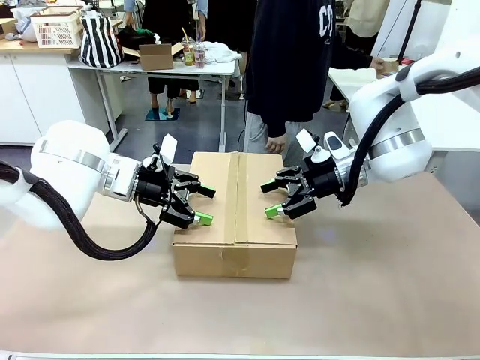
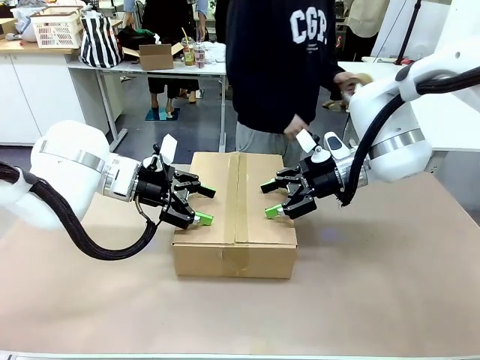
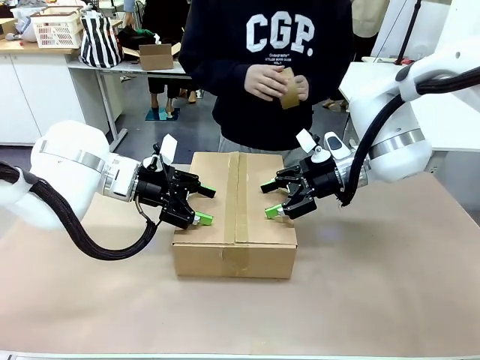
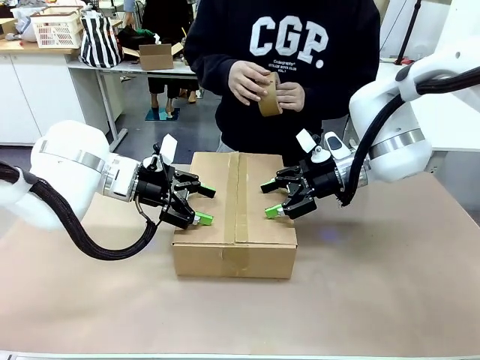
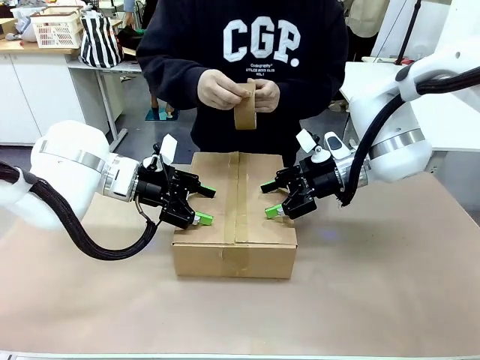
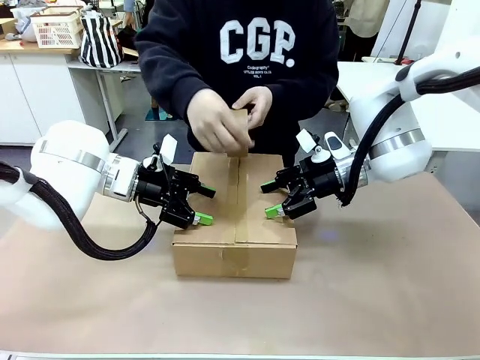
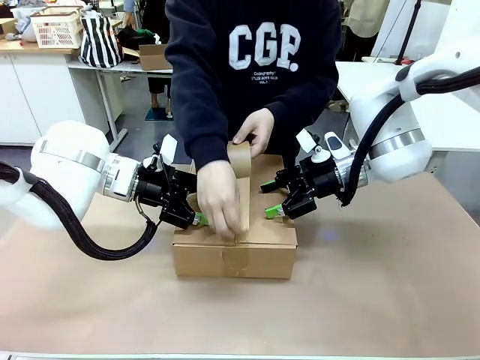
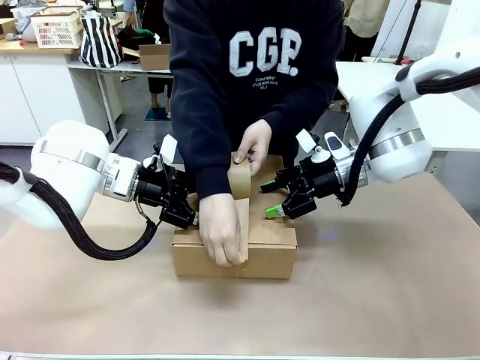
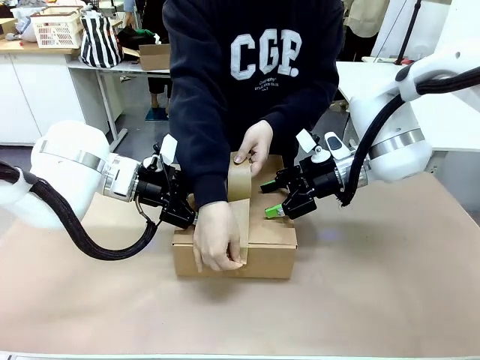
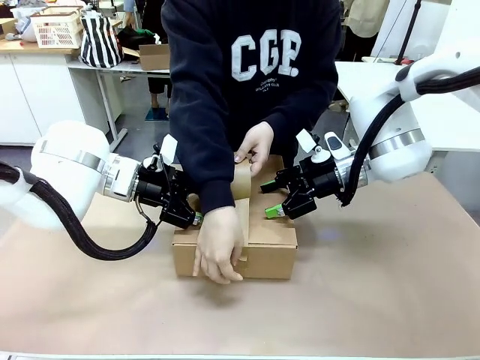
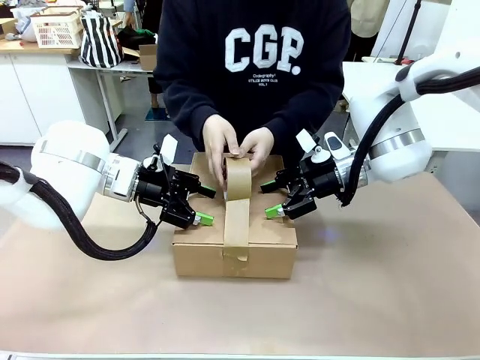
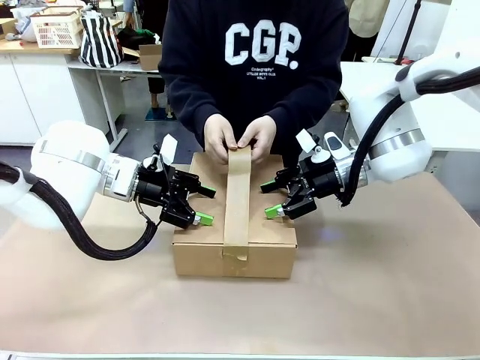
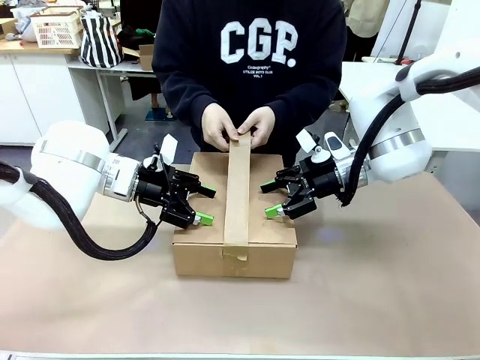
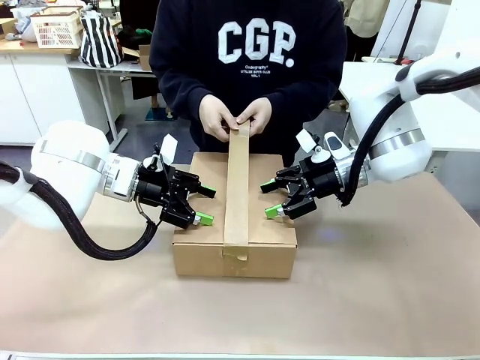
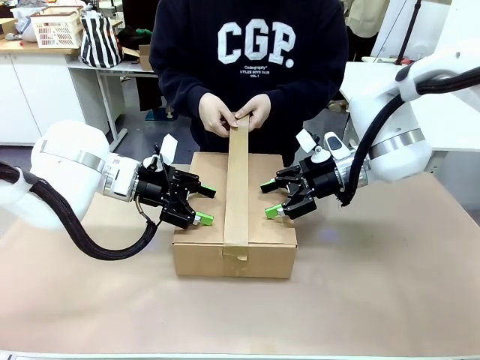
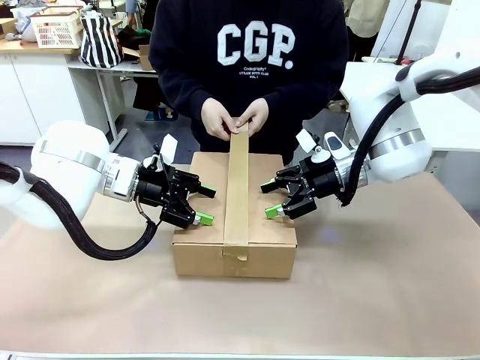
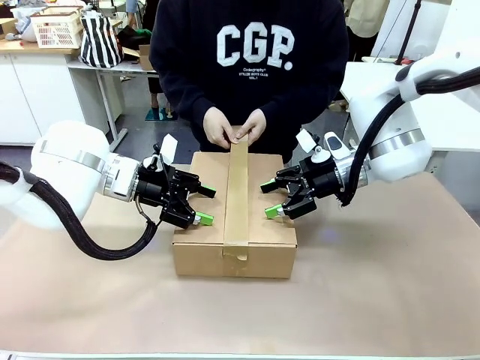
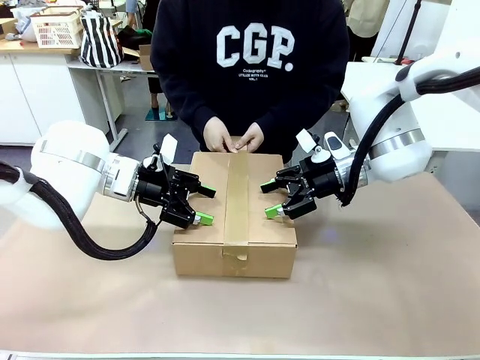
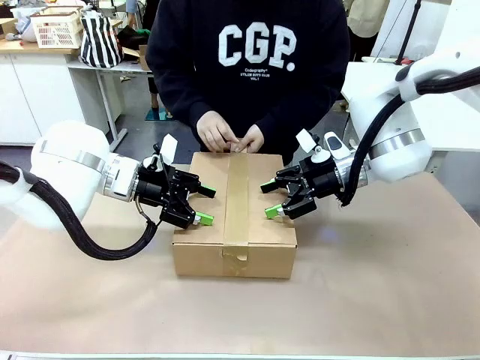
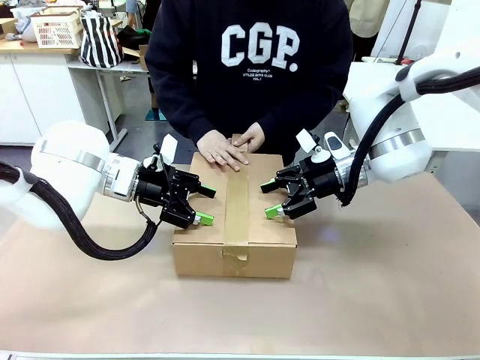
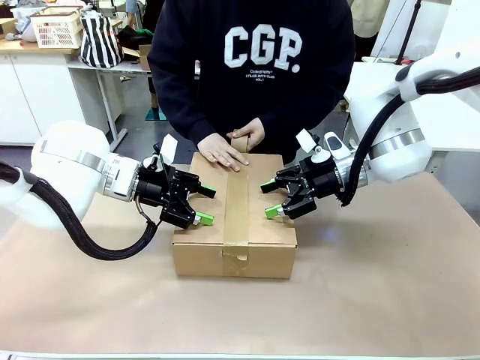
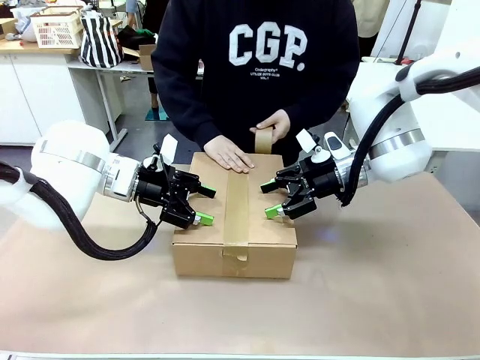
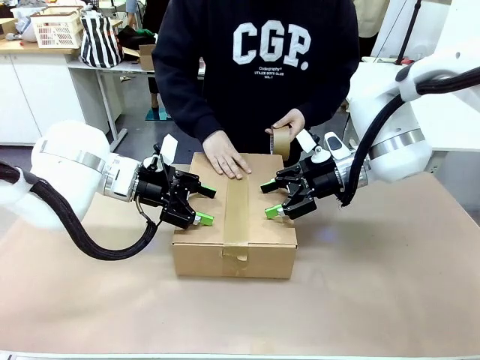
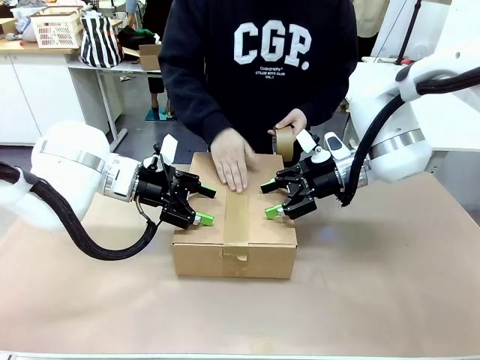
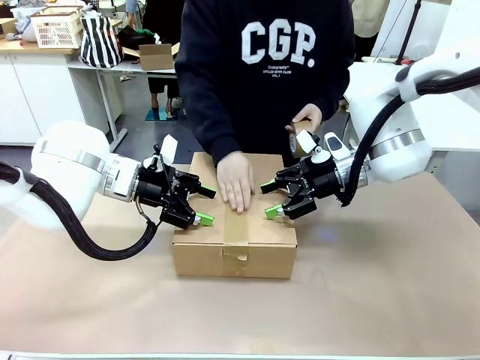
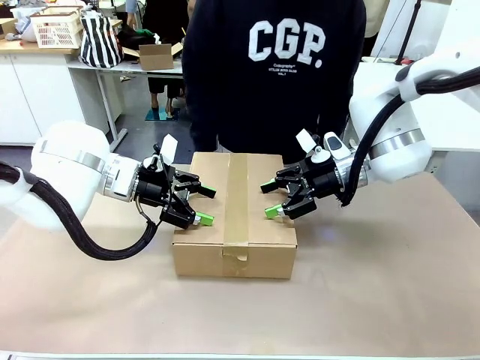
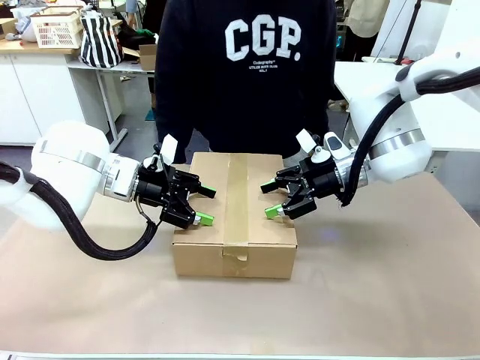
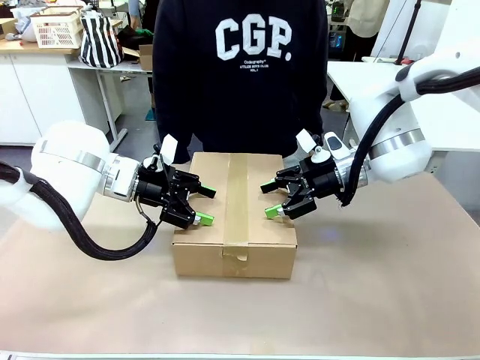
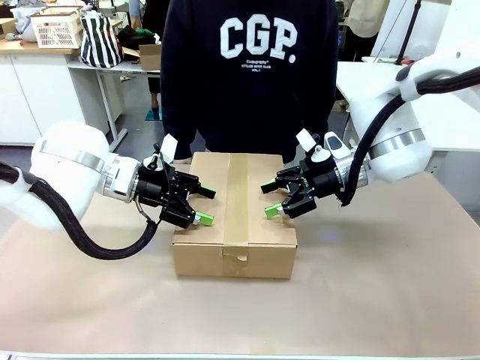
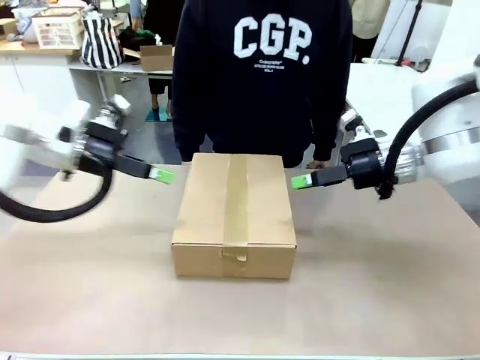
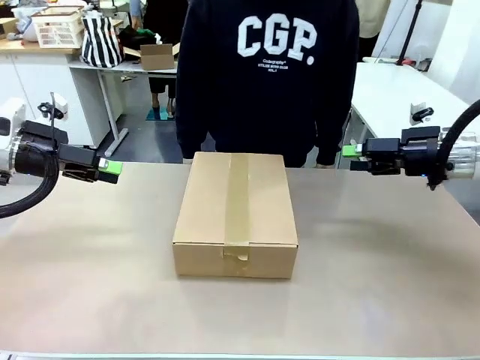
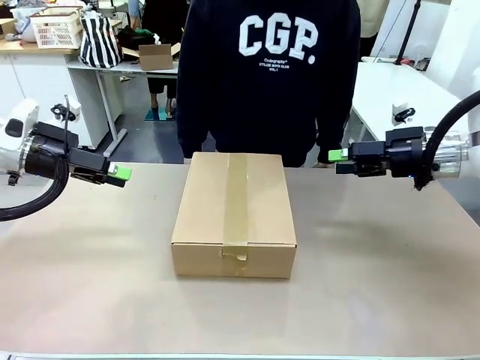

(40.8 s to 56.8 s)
Task: Pack the gift set into the box.
Robot: Press and hold the closed box until the human finishes sealing it.
Person: The human picks up the paper tape from the human table and packs the box.

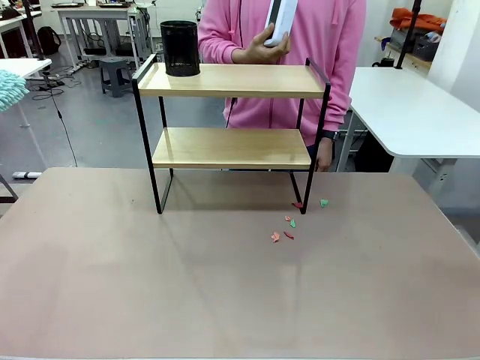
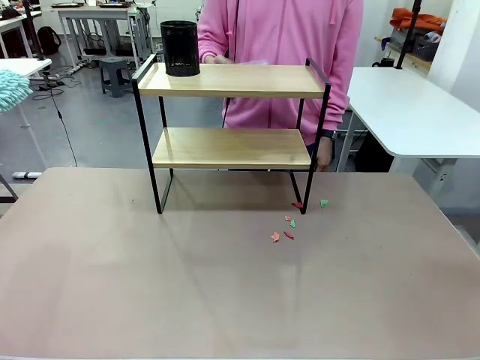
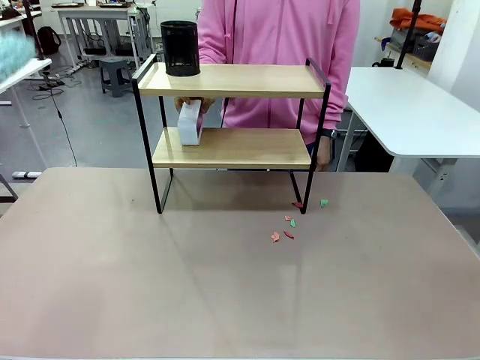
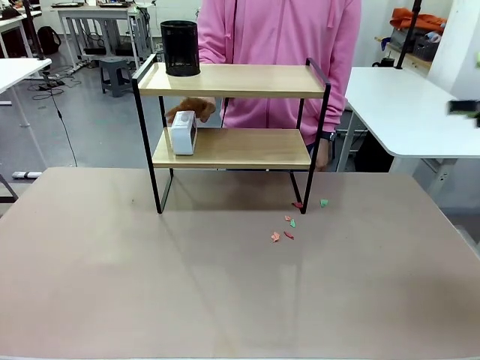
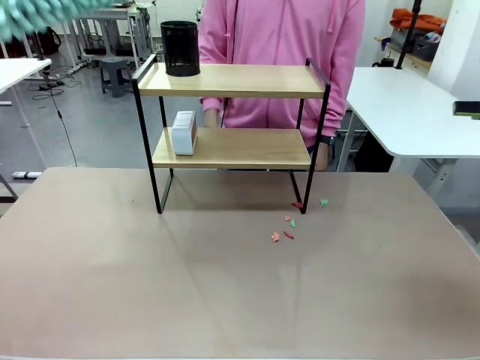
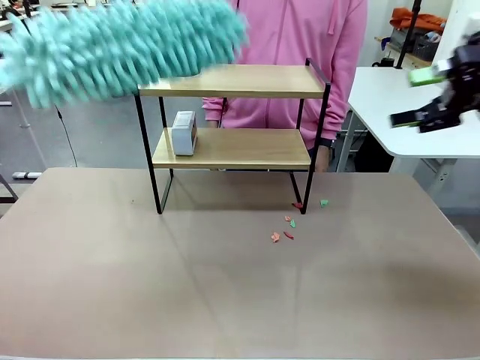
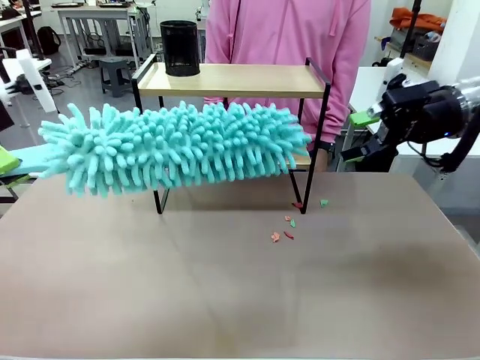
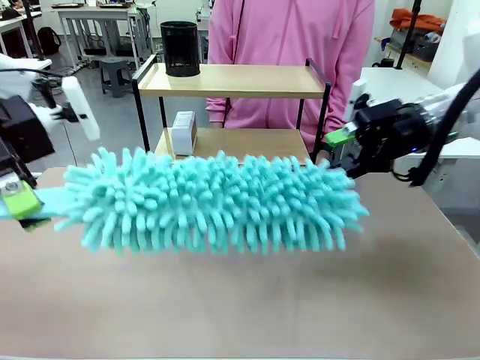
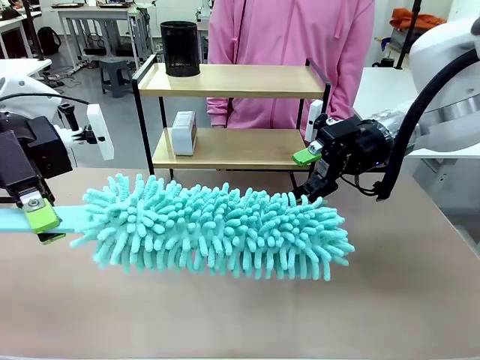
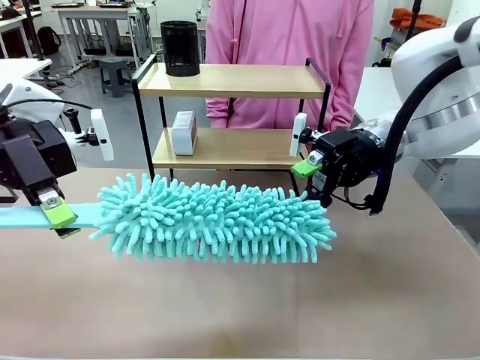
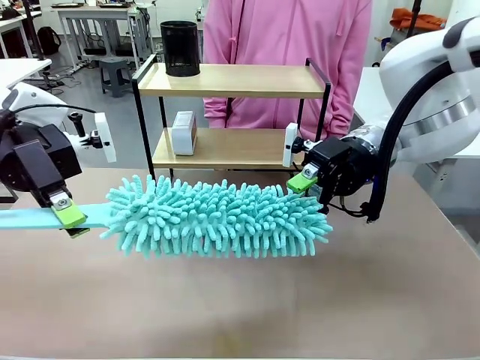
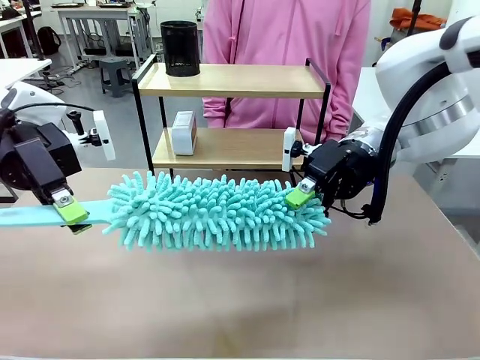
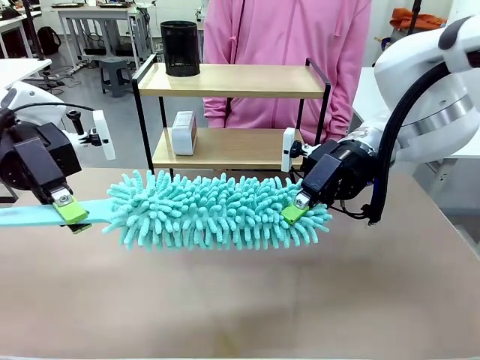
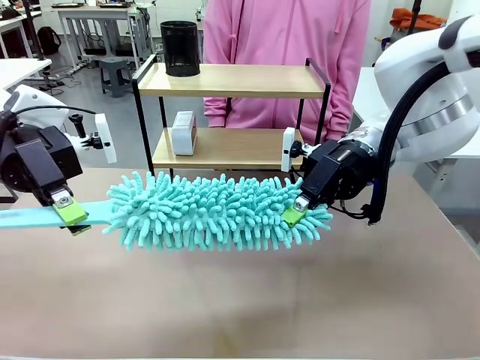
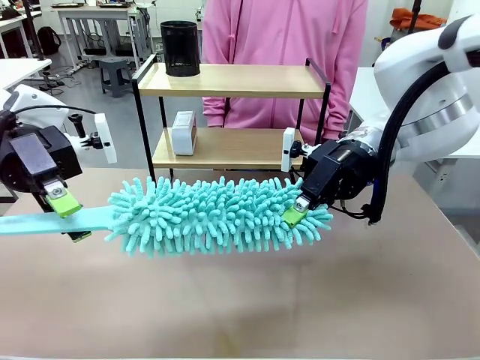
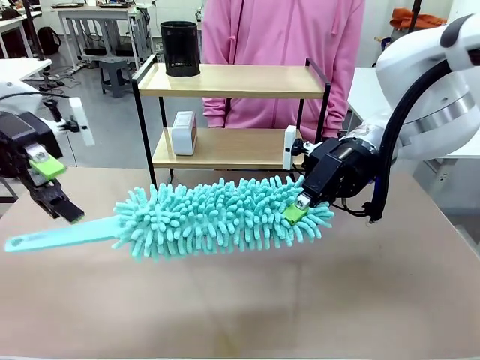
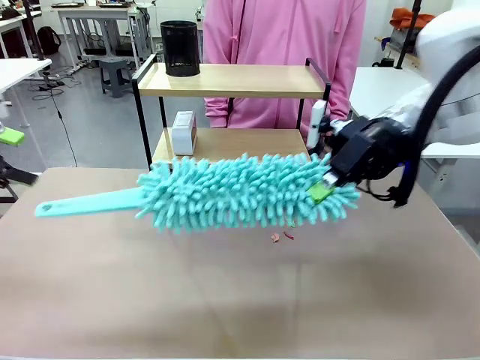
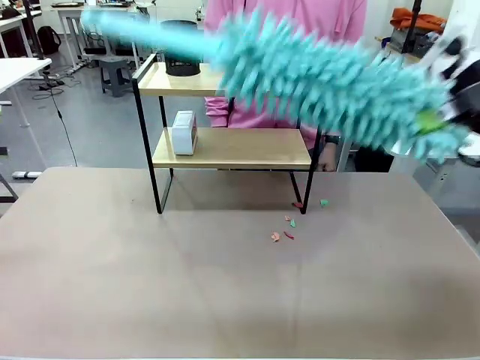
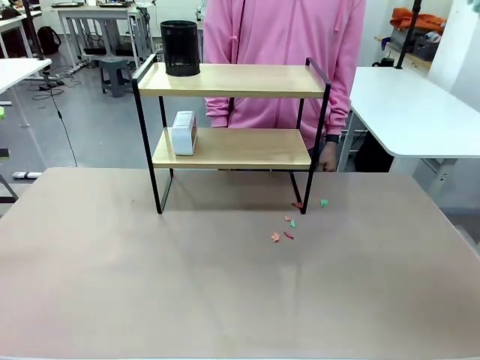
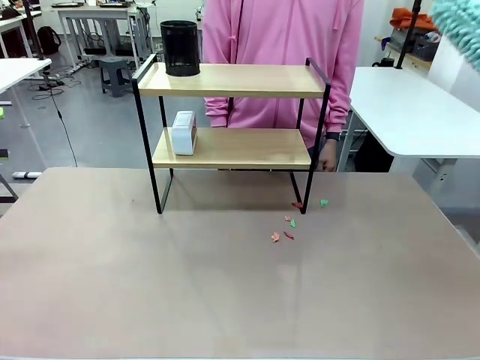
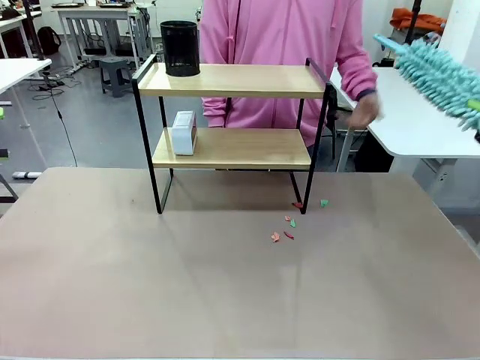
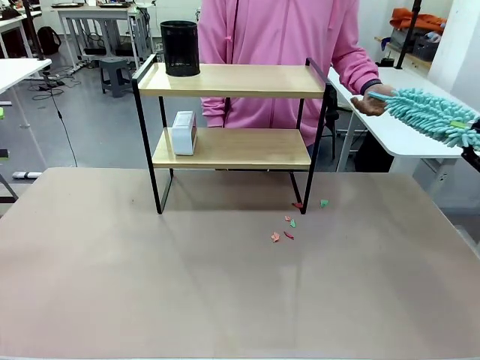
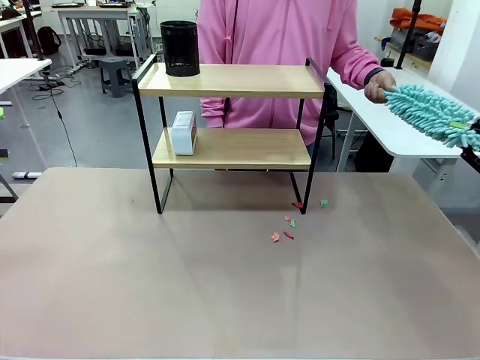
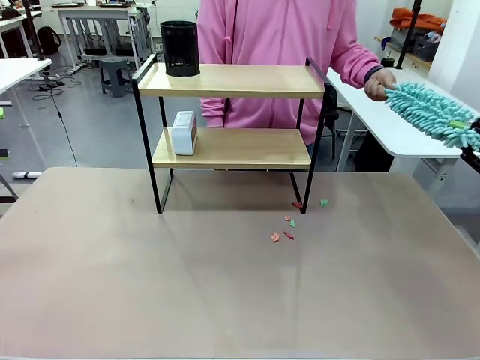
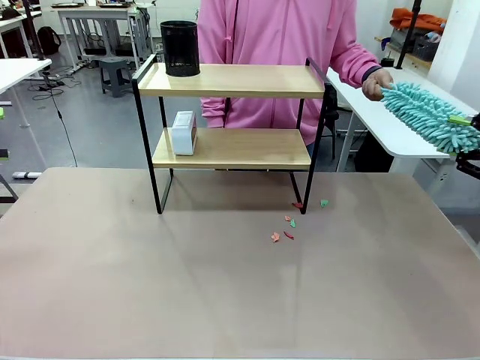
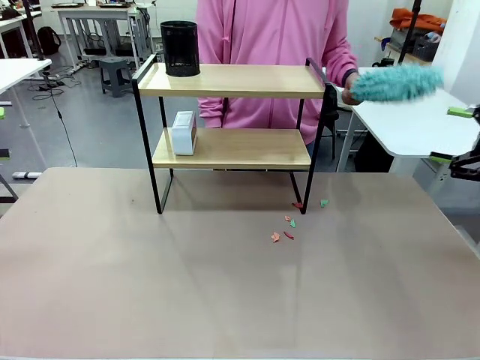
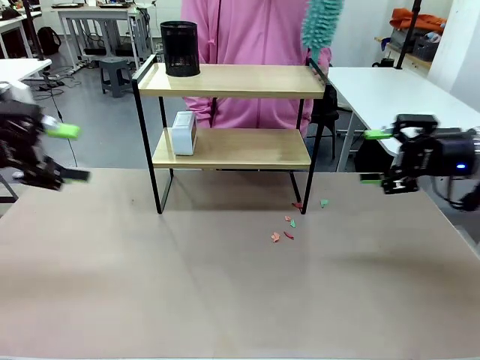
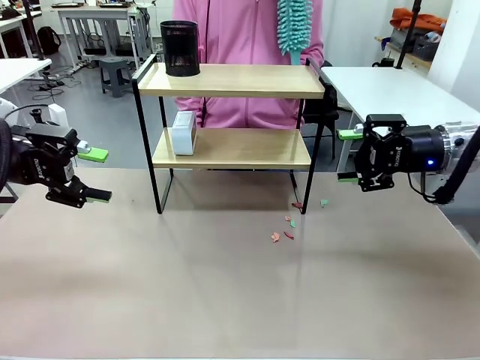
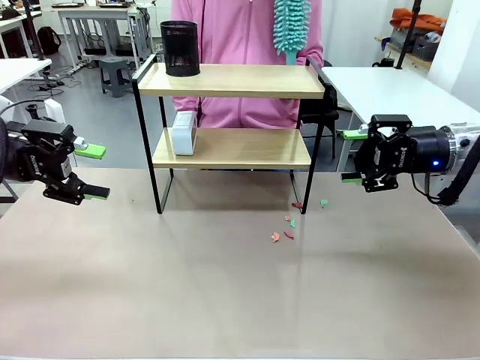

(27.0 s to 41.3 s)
Task: Clean the shelf.
Robot: Hand the Duster back to the human.
Person: Receive the Duster from the robot.
